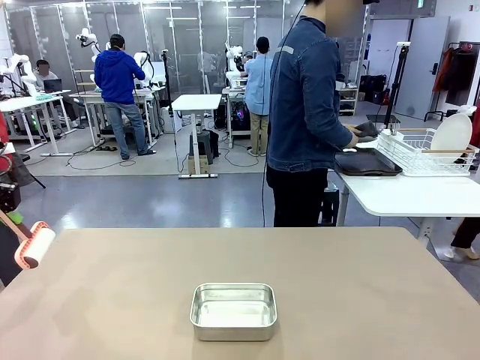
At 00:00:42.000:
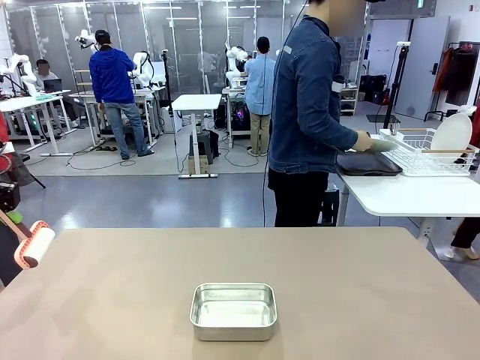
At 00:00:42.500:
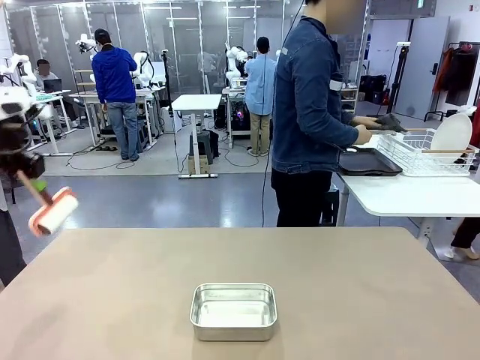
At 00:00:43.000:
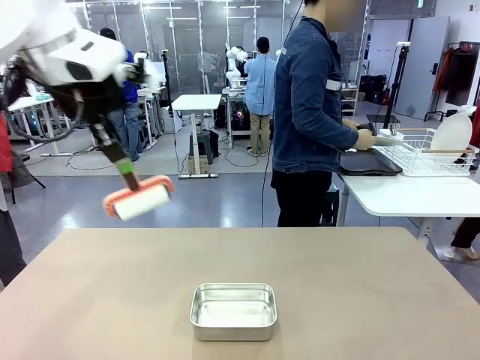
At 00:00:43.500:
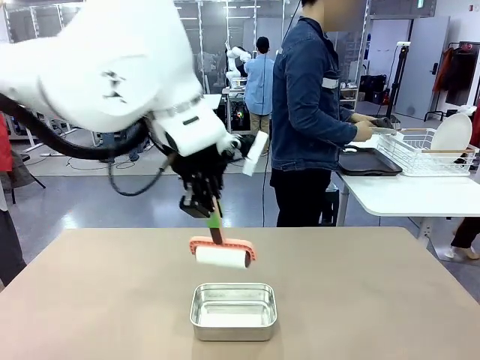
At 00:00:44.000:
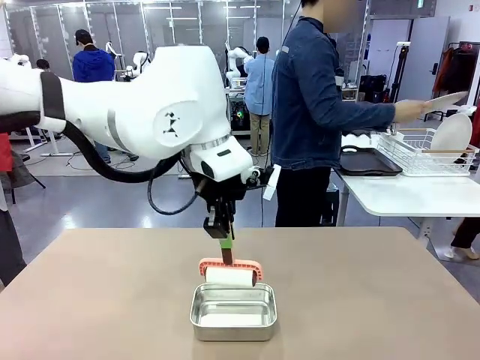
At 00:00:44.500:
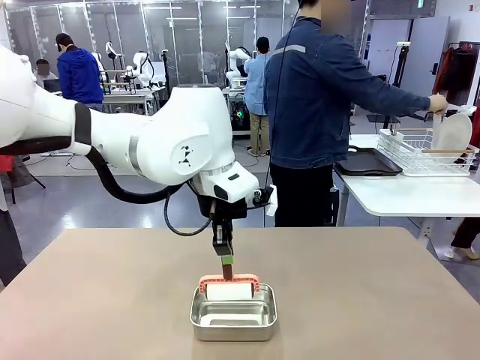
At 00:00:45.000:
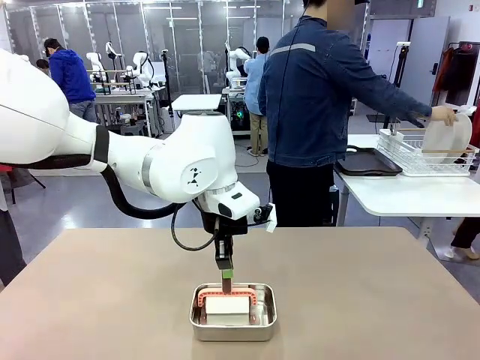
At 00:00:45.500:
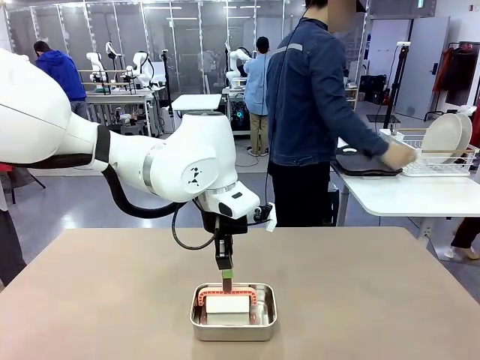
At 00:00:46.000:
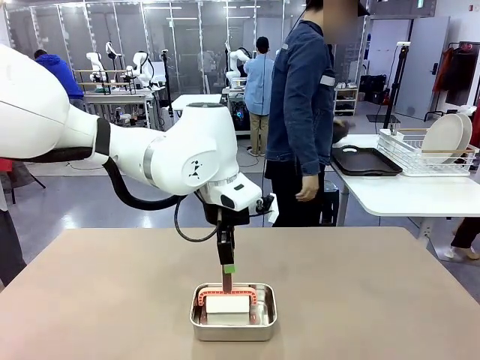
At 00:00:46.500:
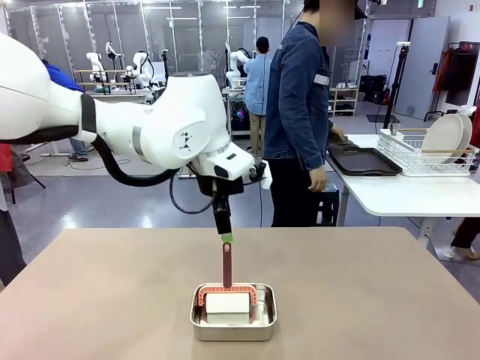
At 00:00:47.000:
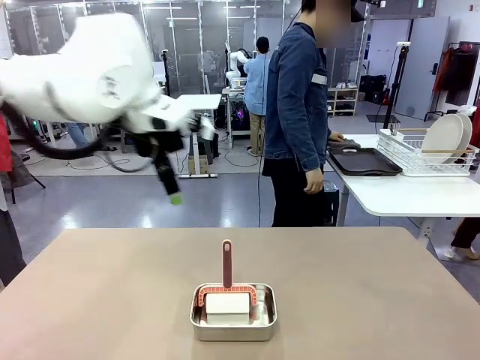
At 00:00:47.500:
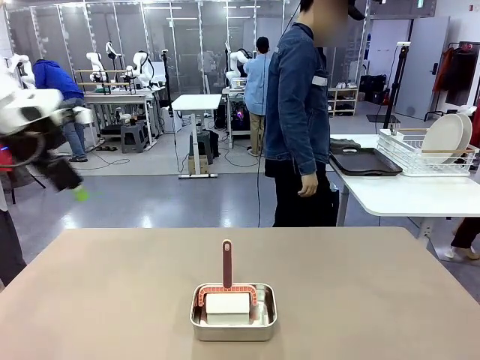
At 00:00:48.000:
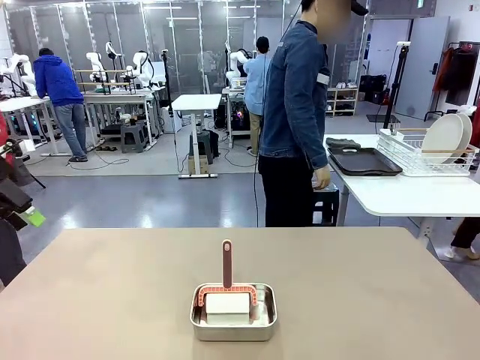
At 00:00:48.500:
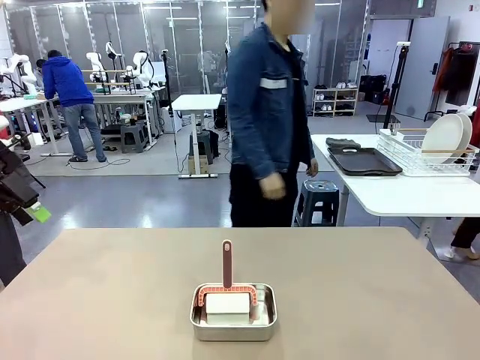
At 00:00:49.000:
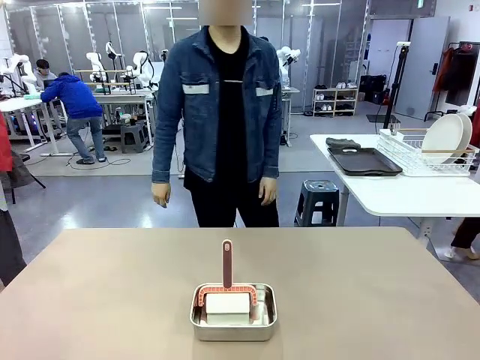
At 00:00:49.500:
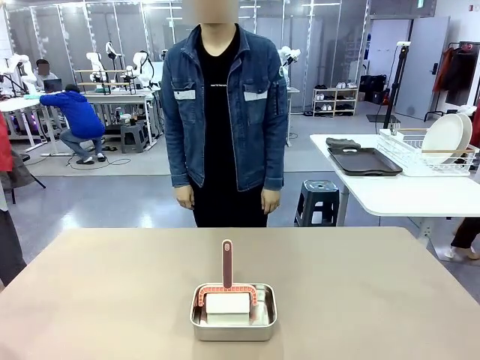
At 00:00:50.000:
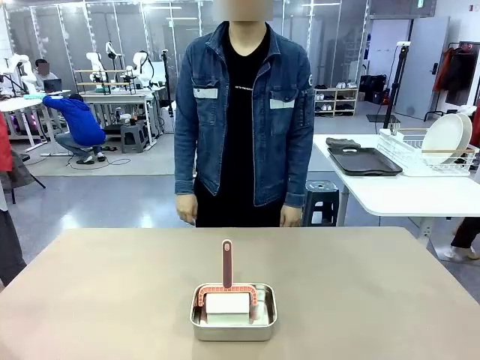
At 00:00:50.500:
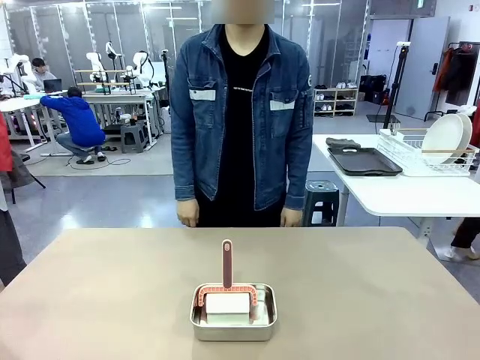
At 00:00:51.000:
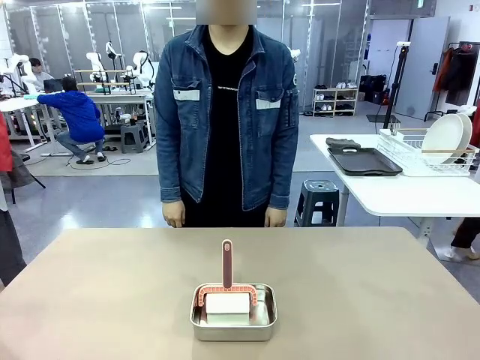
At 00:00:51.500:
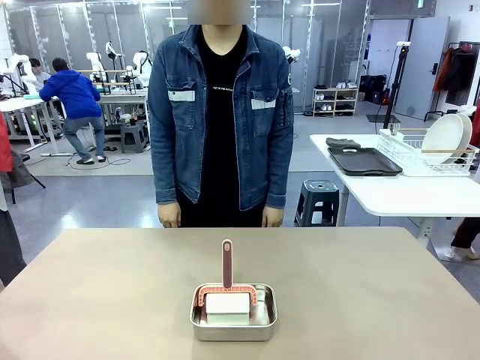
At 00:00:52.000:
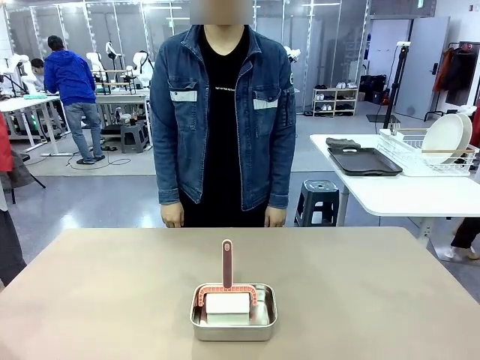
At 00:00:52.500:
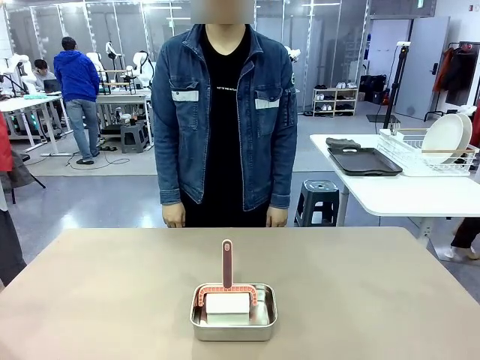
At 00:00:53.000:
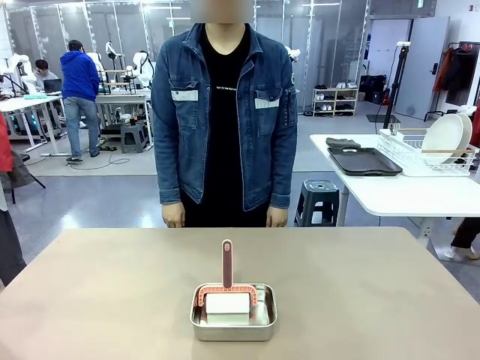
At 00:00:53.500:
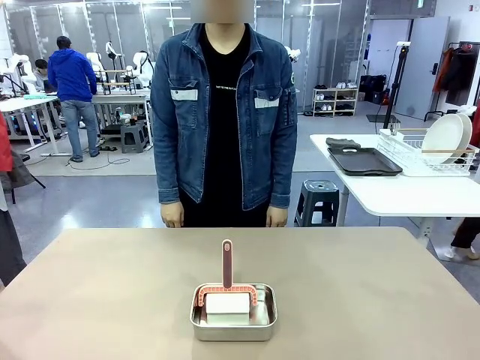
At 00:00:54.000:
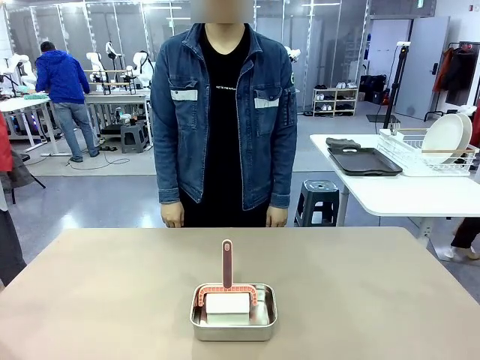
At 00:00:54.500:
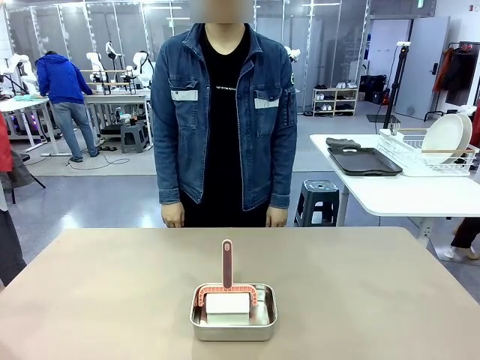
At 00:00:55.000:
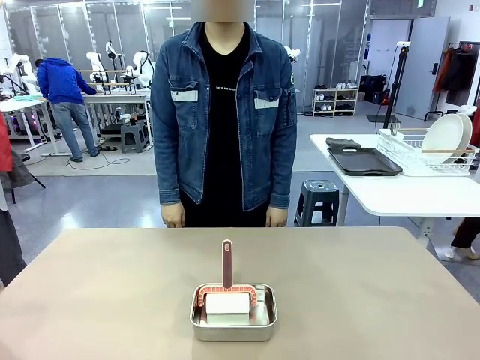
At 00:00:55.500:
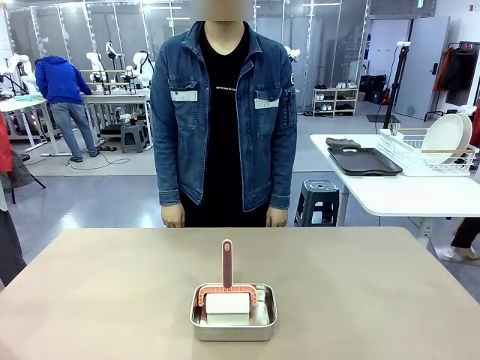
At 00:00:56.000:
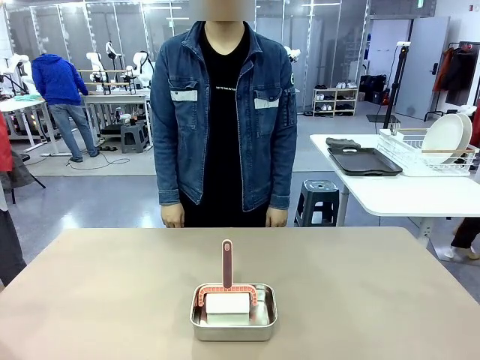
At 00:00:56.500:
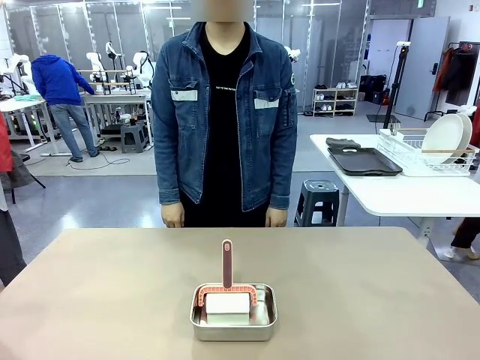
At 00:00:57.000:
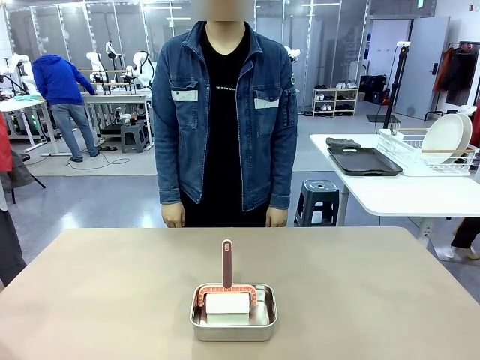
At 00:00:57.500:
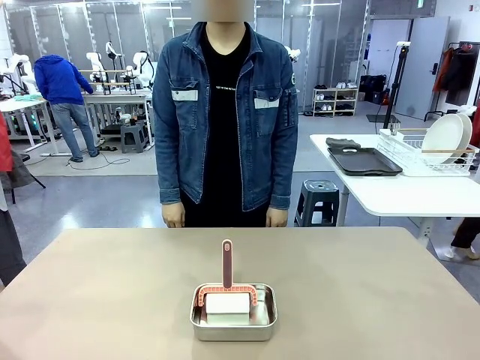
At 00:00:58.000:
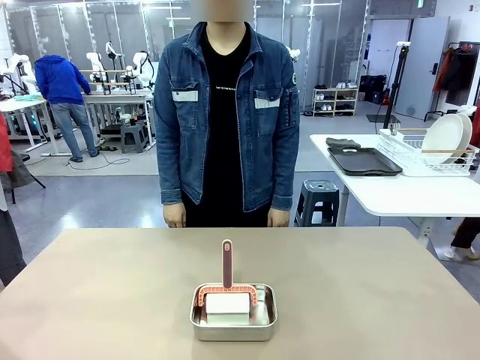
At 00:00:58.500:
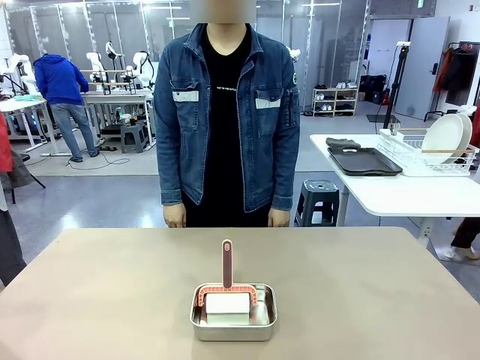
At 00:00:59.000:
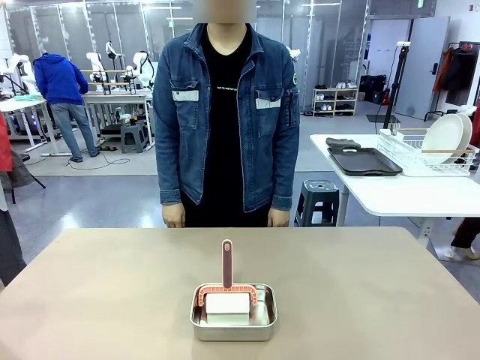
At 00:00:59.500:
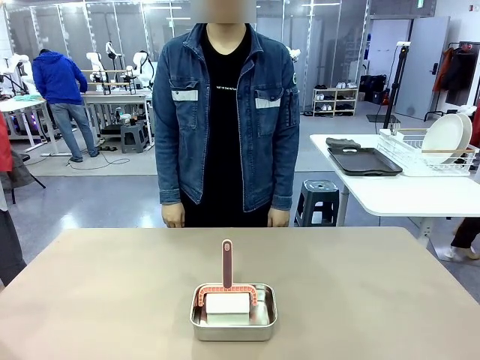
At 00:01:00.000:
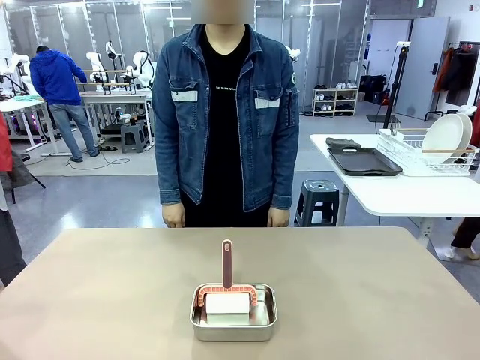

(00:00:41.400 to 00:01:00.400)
Robot: Place the Lint Roller back on top of the Airtight Container.
Person: Use the Towel with hook to wipe the Plastic Matte Plate , Fork , and Knife and place into the Dish drying rack.

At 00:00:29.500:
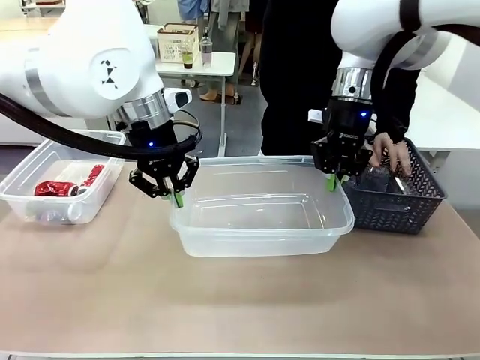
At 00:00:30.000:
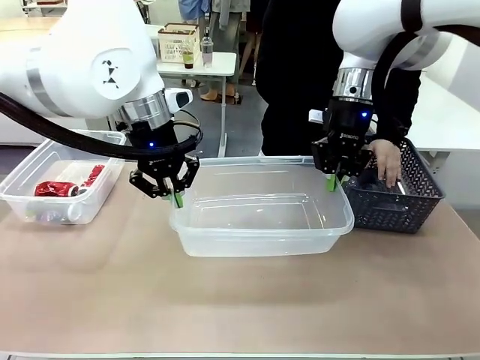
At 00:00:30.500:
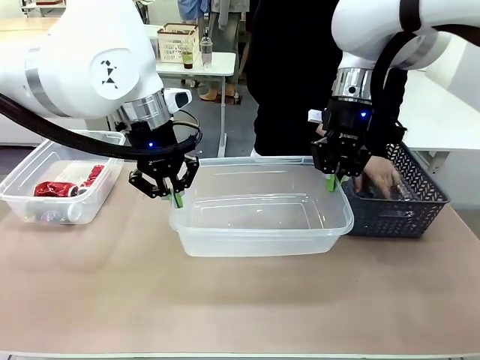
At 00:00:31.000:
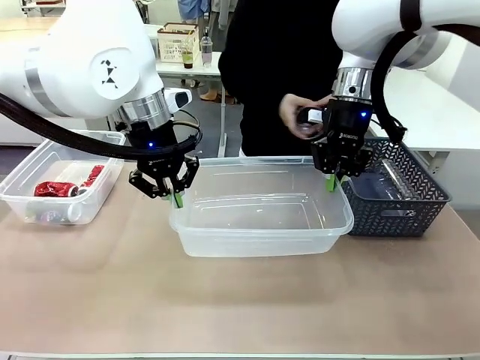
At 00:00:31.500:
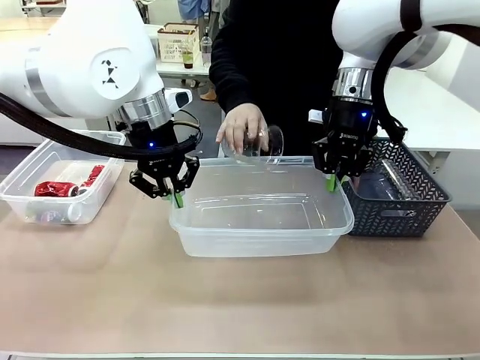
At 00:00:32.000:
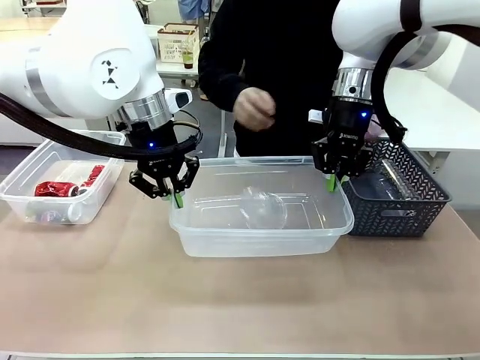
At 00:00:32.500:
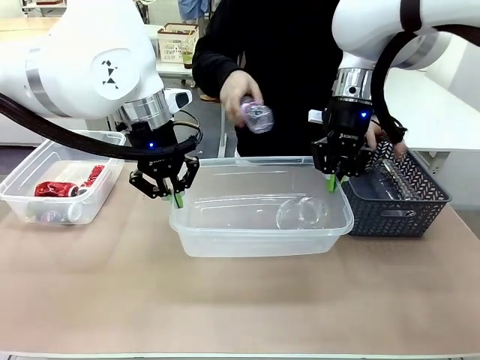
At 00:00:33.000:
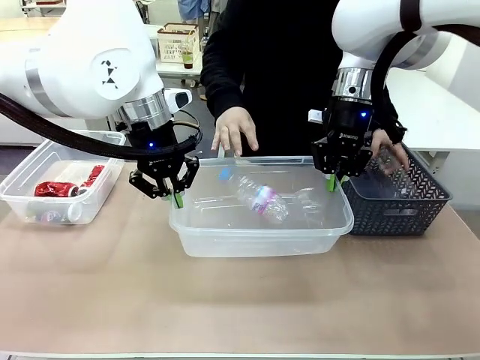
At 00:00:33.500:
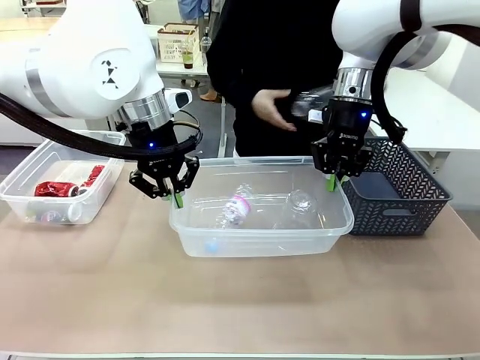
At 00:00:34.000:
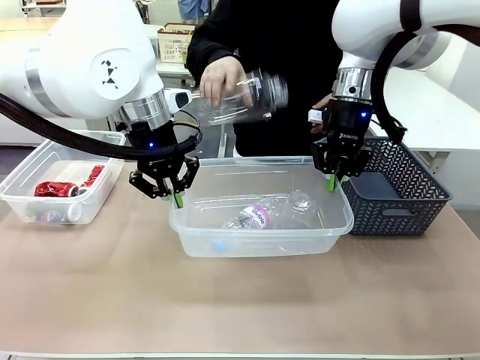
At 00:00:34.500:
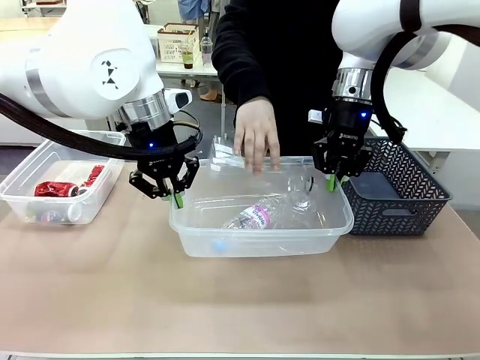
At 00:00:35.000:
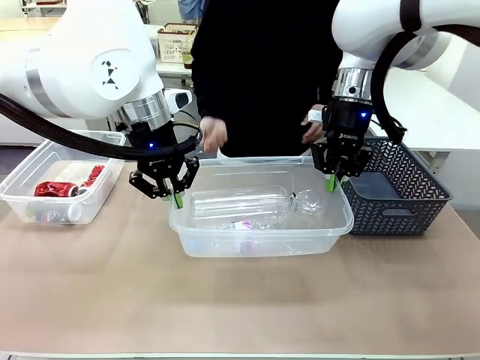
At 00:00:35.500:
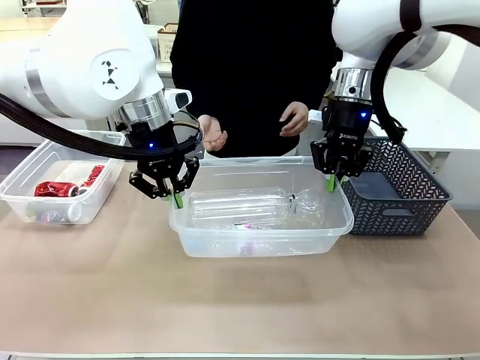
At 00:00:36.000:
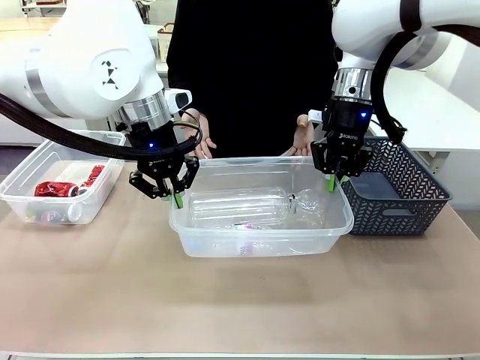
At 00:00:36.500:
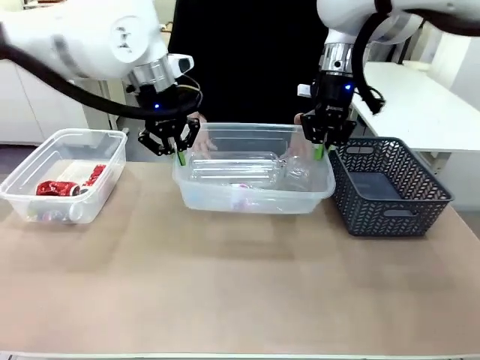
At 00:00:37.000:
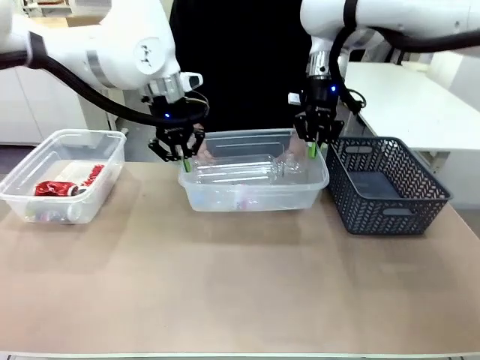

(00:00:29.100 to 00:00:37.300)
Robot: Offer the picked Organizing box to the human.
Person: Pick up plastic waste one by one and place it into the organizing box lifted by the robot.
